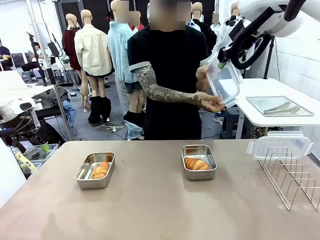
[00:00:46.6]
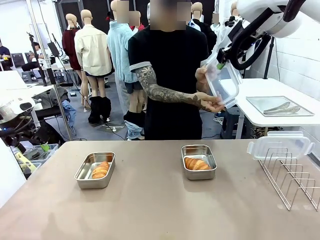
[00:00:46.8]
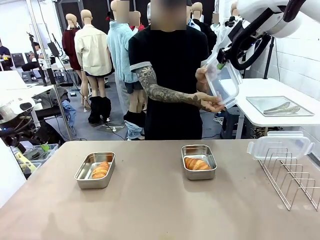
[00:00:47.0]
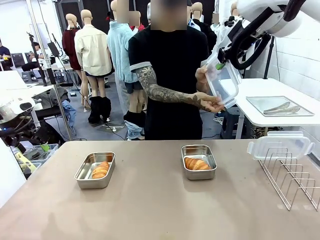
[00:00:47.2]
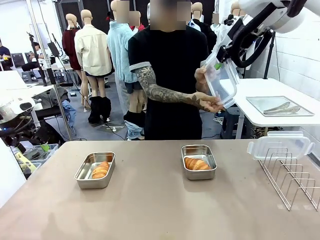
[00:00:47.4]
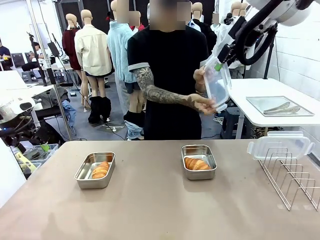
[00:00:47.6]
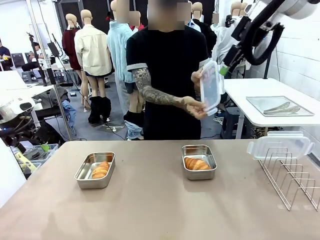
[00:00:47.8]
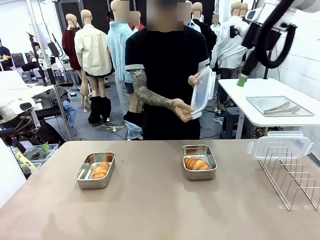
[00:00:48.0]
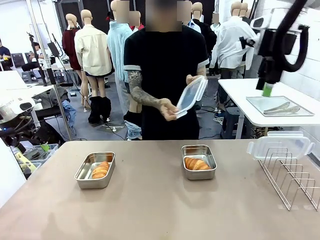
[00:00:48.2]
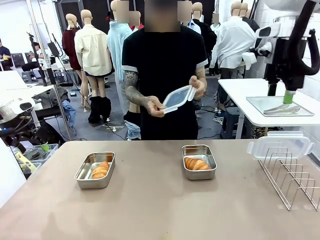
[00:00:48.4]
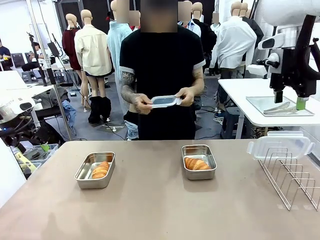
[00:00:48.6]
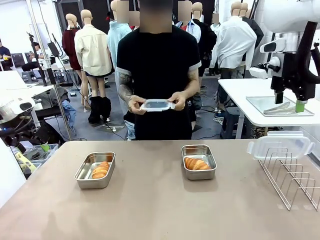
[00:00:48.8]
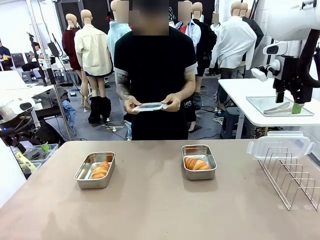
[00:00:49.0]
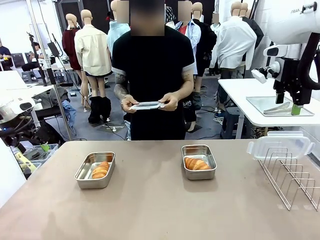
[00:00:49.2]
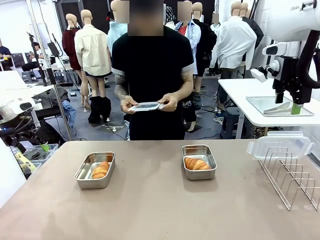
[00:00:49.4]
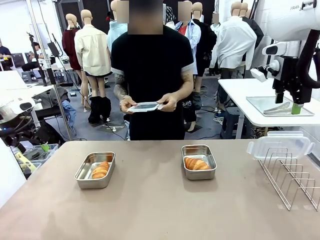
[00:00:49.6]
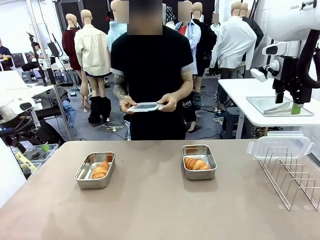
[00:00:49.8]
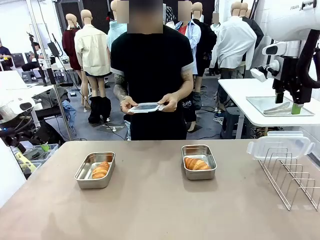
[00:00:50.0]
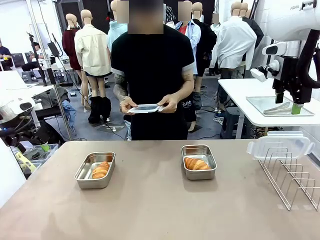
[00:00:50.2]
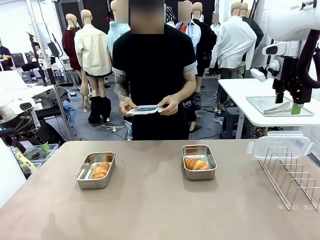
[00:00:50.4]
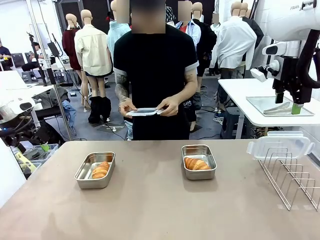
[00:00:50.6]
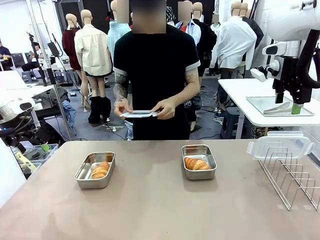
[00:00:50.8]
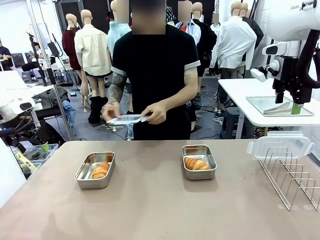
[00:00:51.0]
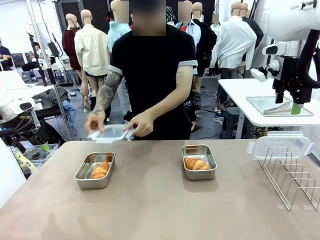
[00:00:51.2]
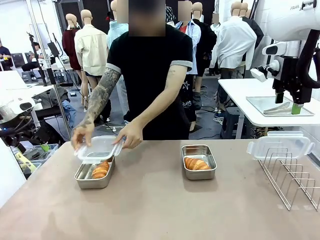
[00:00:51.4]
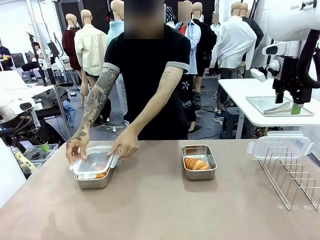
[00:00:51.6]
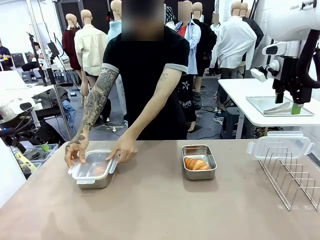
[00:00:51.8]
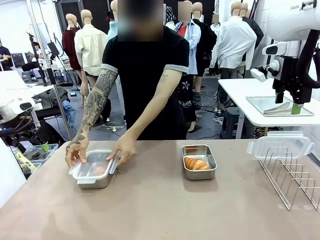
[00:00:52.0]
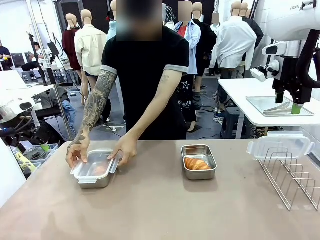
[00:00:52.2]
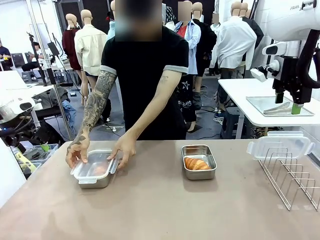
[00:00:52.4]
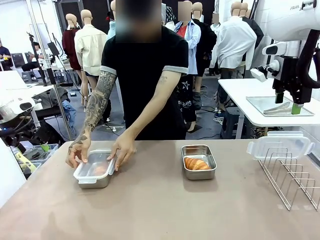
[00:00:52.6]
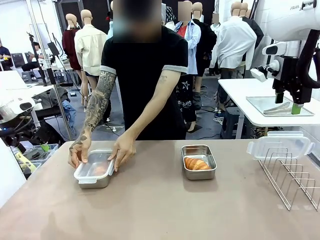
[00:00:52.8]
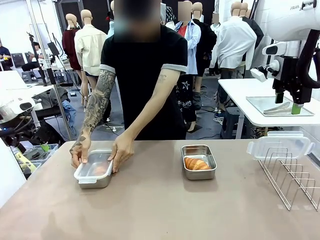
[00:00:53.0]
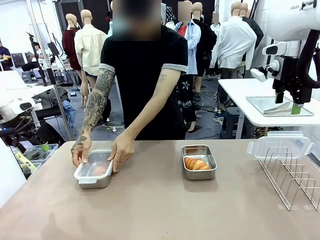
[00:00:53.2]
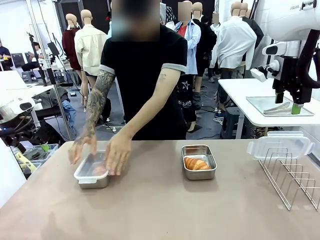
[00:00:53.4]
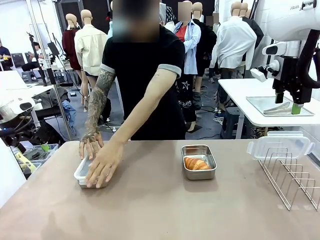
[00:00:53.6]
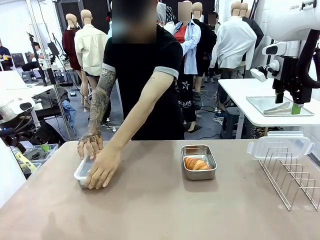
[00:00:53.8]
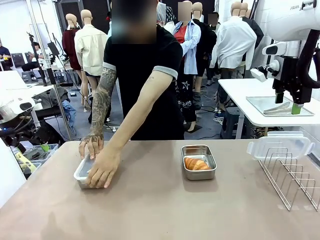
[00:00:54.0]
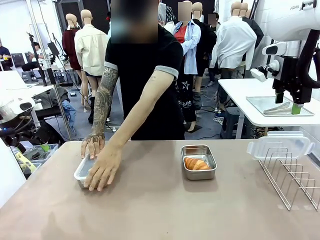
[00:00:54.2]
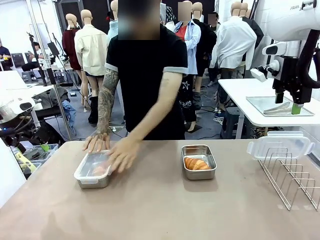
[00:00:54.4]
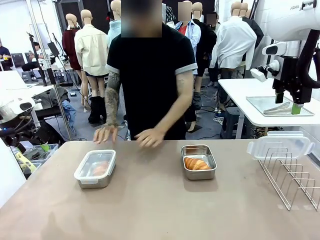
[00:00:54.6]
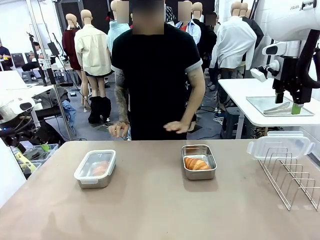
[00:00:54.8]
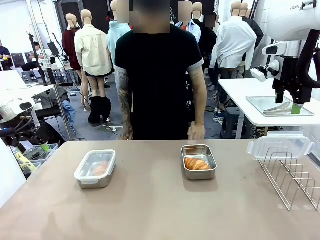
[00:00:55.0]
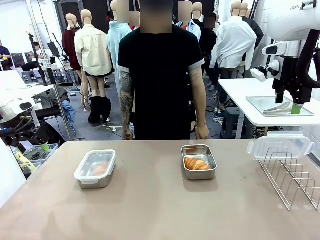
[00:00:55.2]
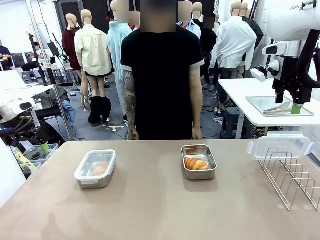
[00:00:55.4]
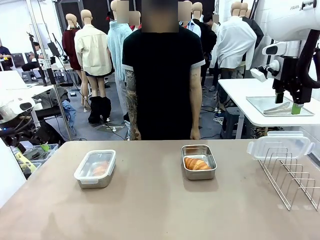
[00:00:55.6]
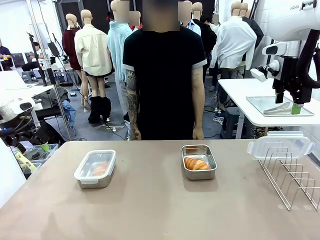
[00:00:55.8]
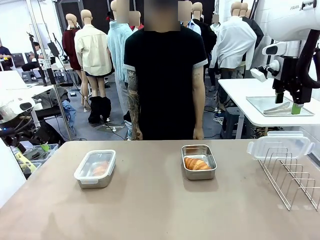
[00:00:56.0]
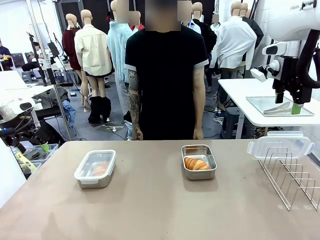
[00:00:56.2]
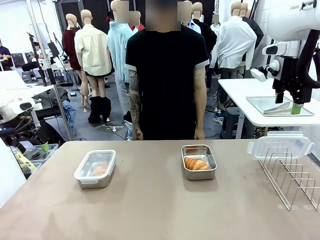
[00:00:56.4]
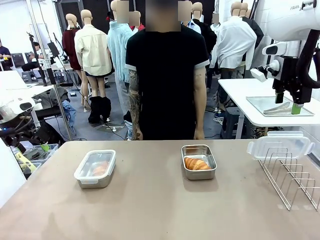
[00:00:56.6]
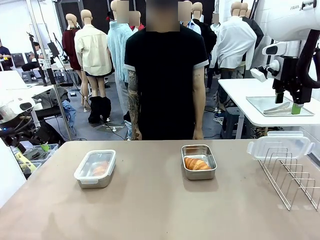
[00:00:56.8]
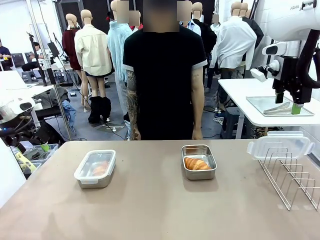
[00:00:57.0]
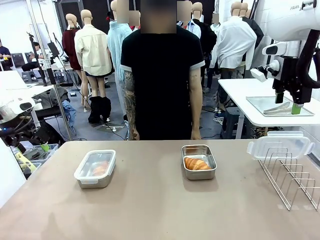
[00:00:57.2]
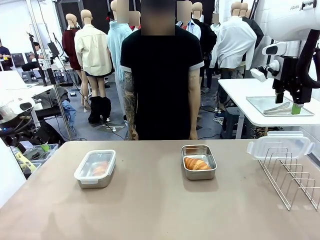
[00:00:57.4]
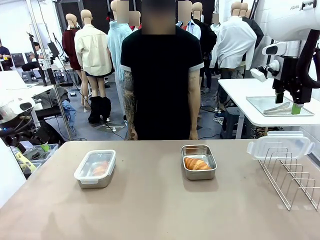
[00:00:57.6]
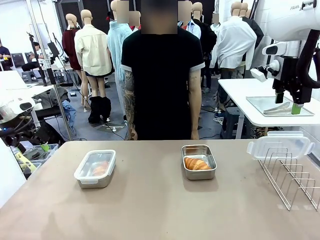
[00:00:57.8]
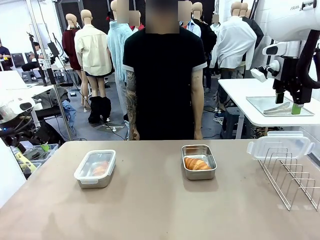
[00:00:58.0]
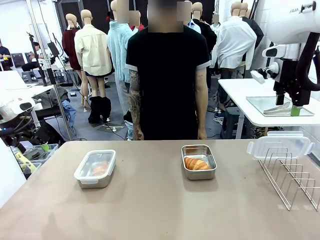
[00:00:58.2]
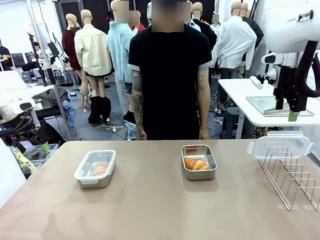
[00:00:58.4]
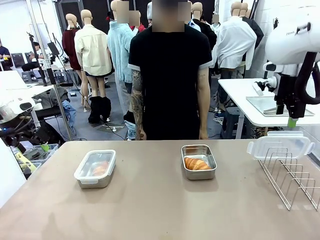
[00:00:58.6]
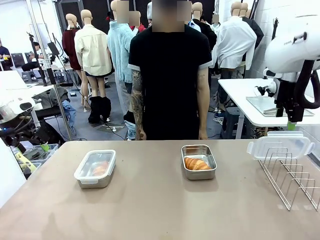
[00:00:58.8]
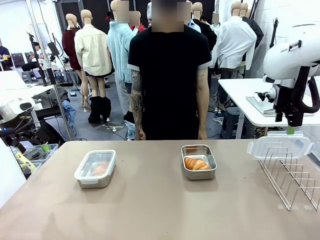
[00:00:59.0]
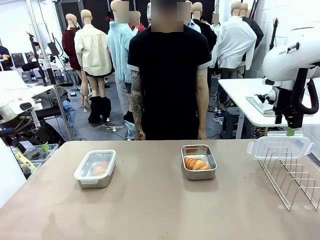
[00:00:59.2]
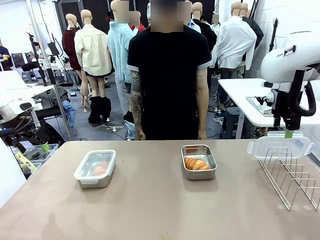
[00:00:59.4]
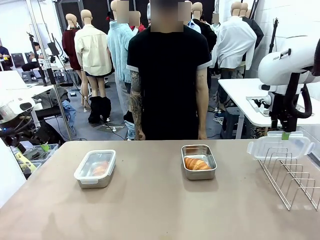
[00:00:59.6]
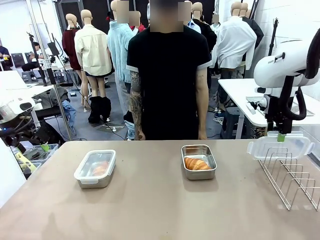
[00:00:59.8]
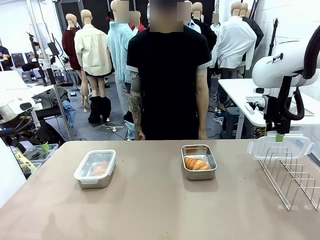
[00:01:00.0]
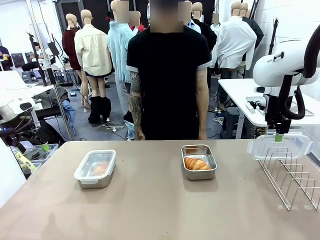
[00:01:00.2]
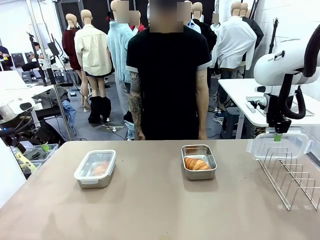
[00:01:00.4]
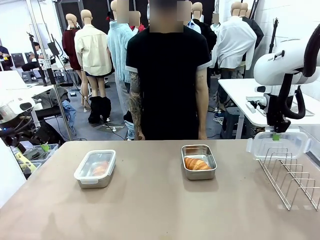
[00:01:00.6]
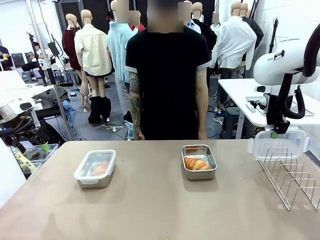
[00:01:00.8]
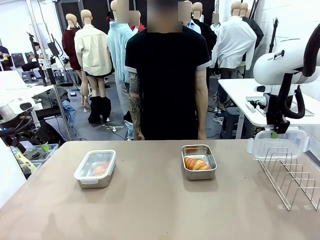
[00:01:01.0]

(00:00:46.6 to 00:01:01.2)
Task: Place the bread in airtight containers.
Robot: Pick up one Airtight Container lid and hand it to the human.
Person: Close Airtight Container with a handed Airtight Container lid.
